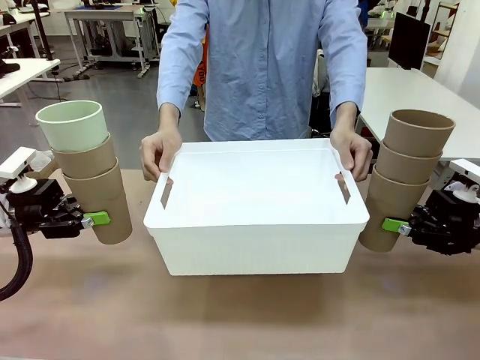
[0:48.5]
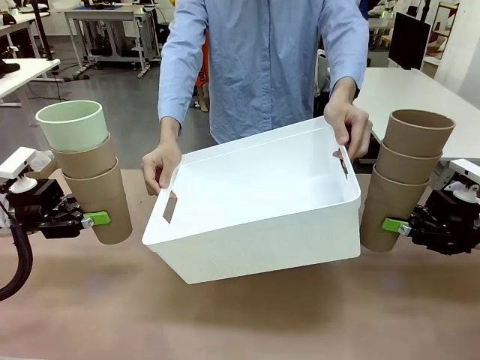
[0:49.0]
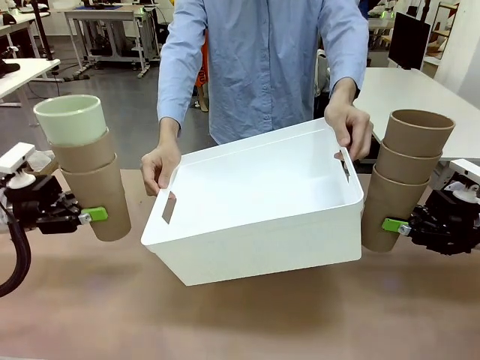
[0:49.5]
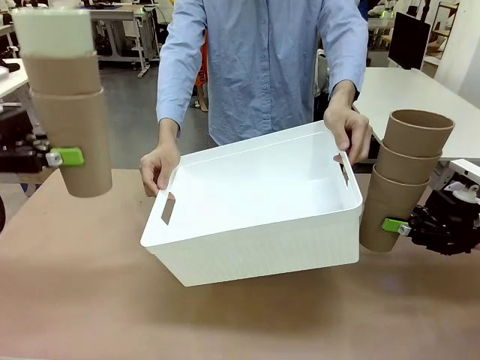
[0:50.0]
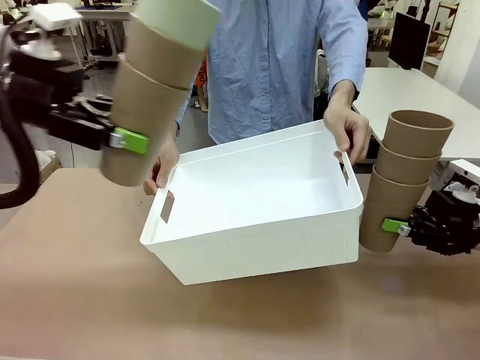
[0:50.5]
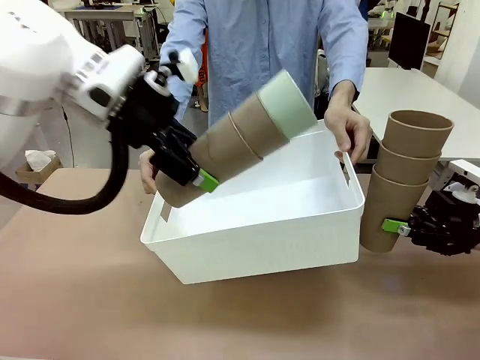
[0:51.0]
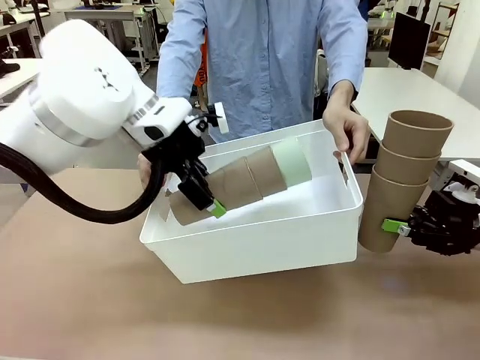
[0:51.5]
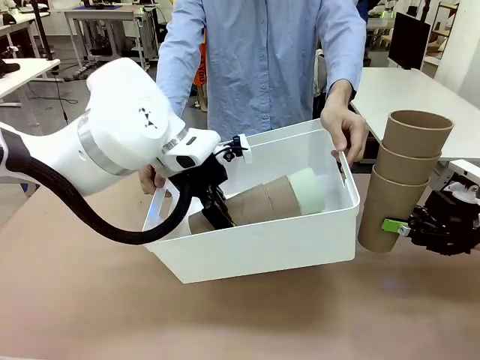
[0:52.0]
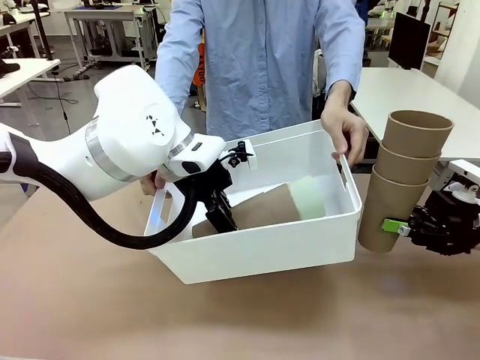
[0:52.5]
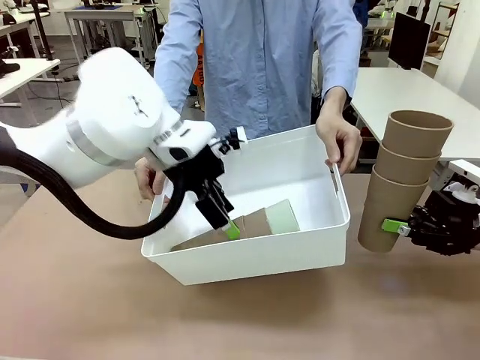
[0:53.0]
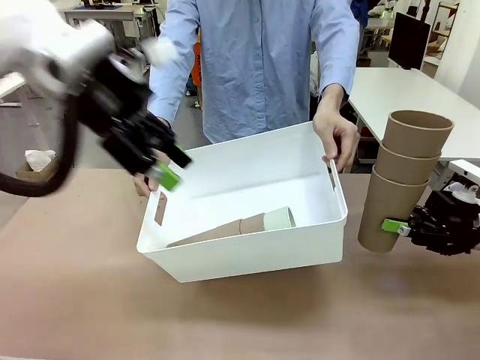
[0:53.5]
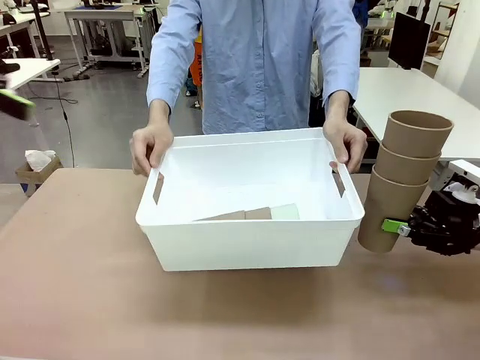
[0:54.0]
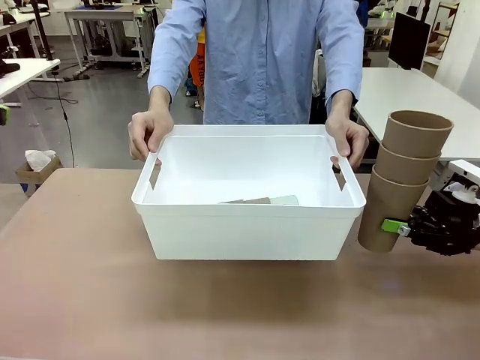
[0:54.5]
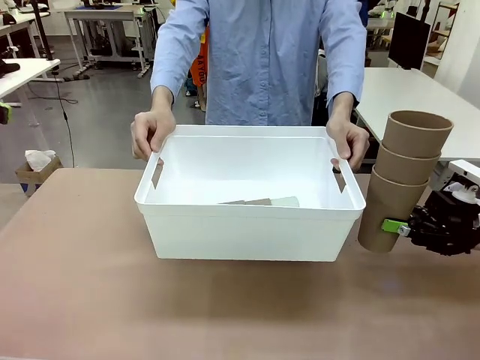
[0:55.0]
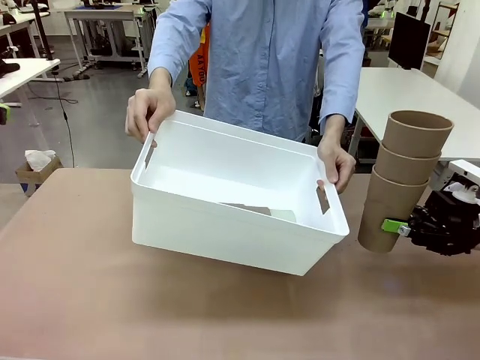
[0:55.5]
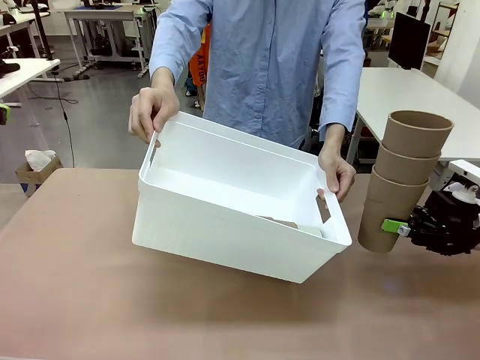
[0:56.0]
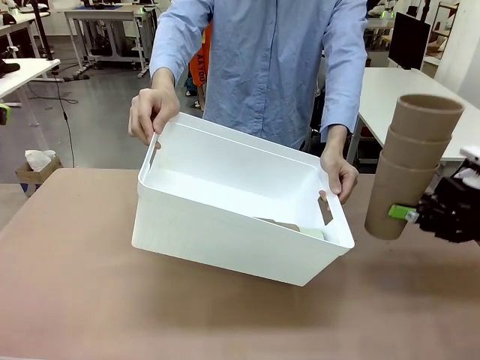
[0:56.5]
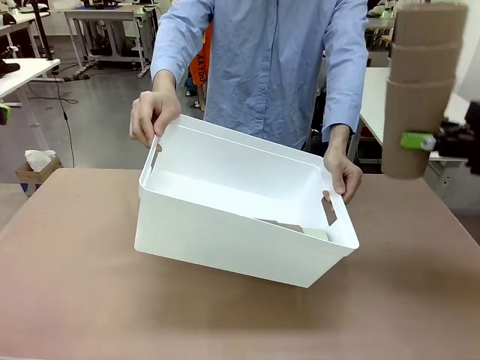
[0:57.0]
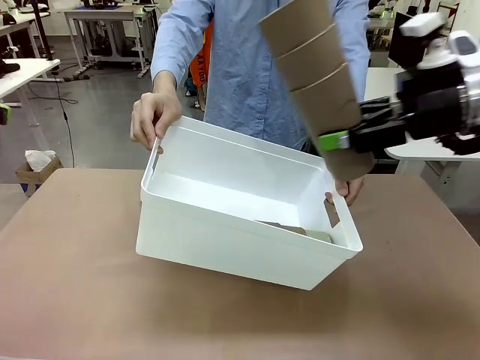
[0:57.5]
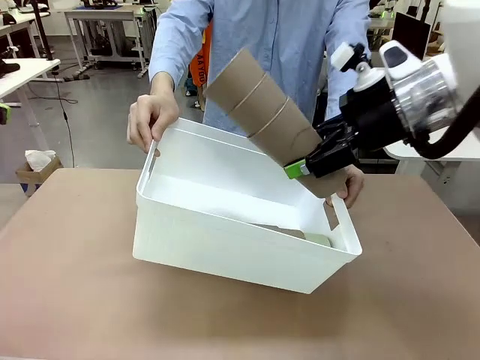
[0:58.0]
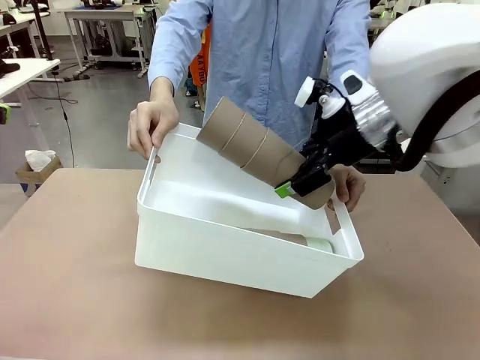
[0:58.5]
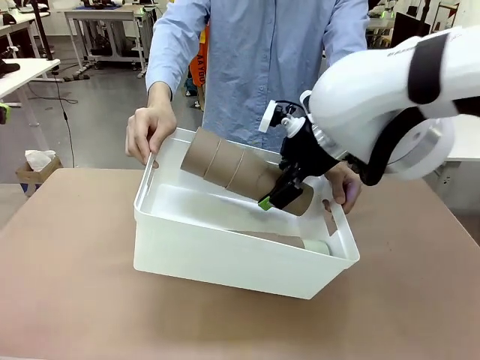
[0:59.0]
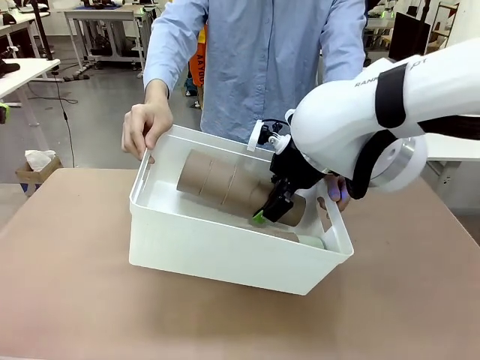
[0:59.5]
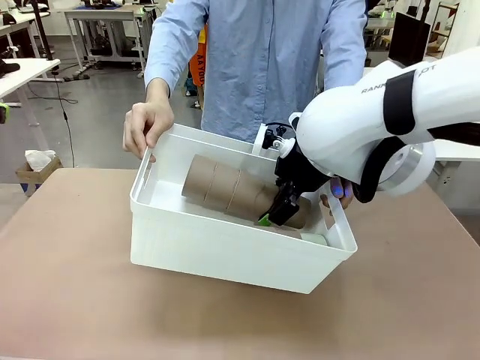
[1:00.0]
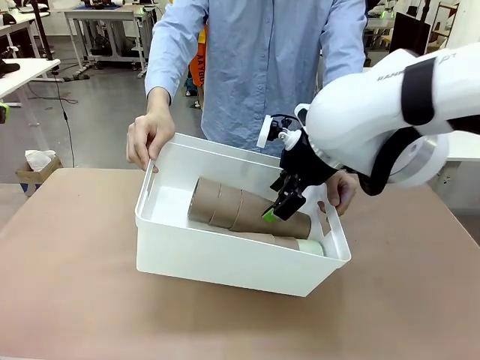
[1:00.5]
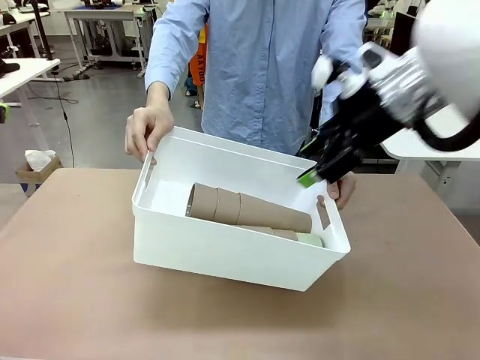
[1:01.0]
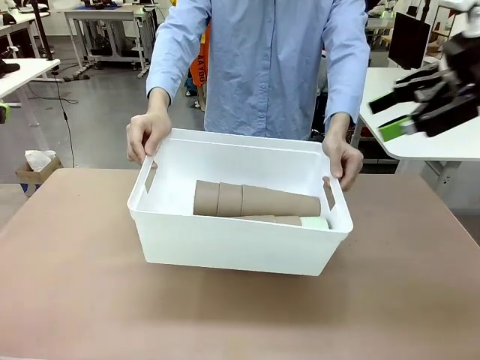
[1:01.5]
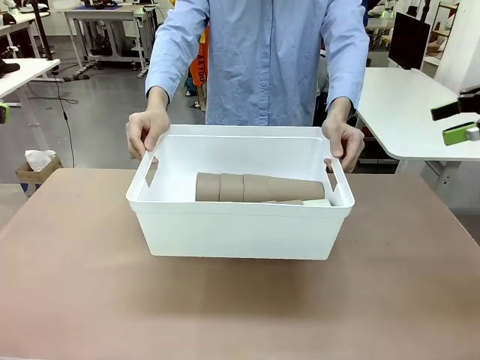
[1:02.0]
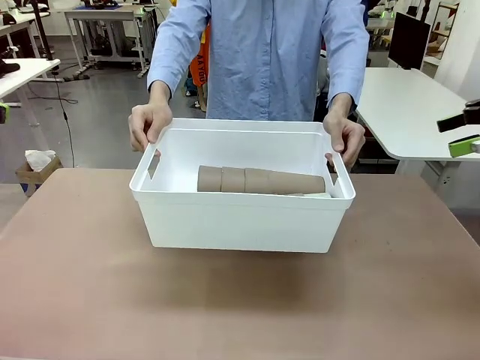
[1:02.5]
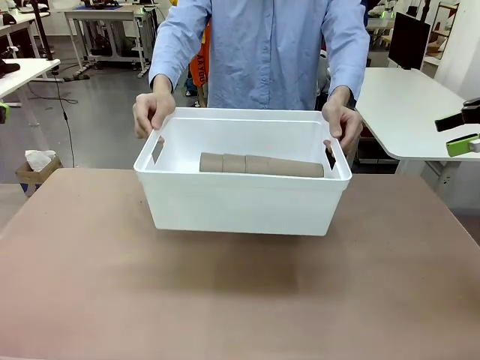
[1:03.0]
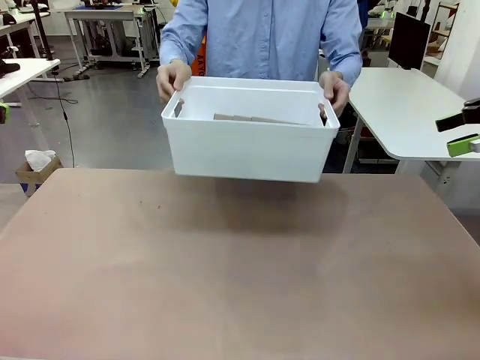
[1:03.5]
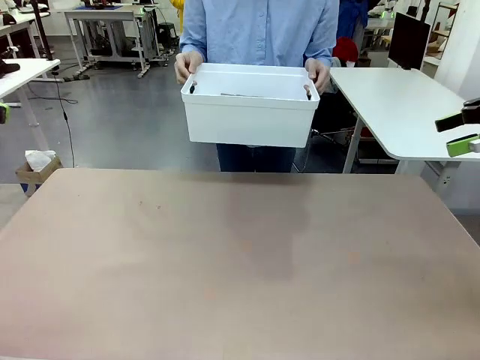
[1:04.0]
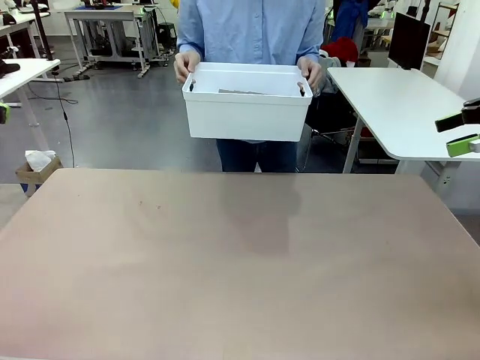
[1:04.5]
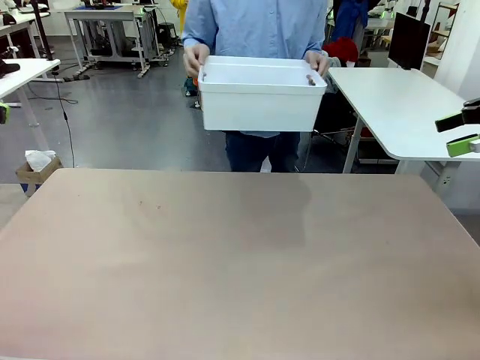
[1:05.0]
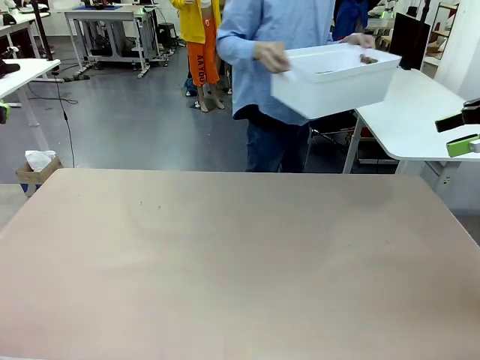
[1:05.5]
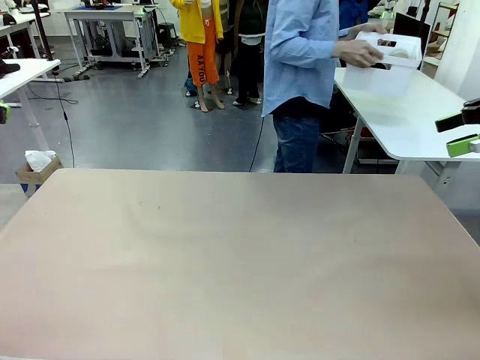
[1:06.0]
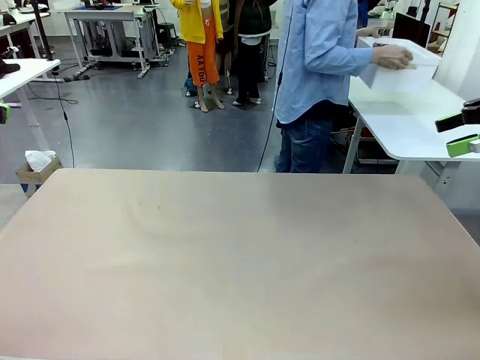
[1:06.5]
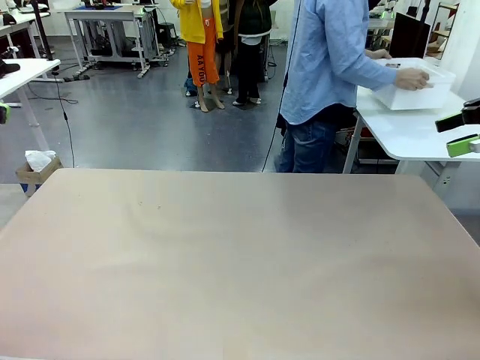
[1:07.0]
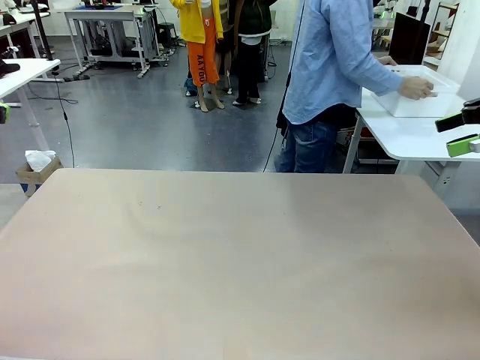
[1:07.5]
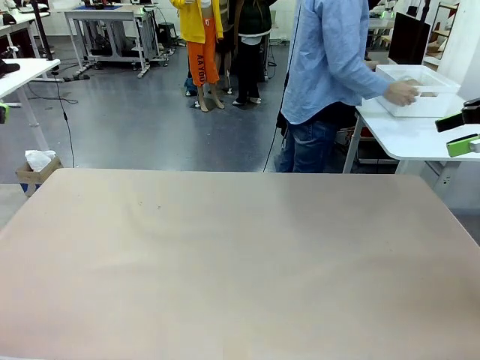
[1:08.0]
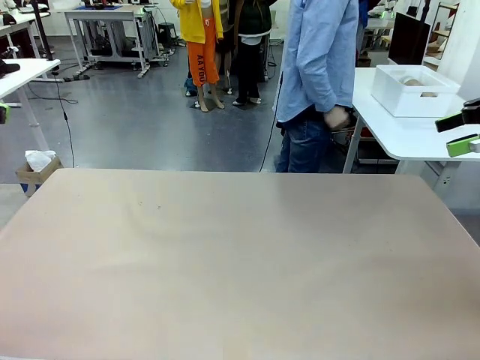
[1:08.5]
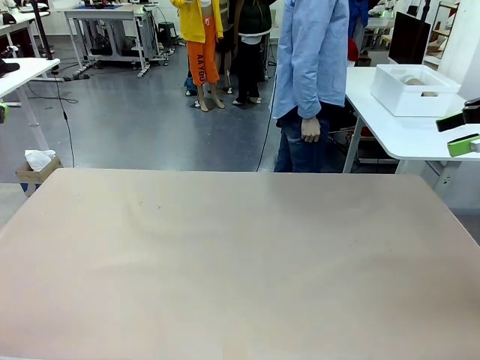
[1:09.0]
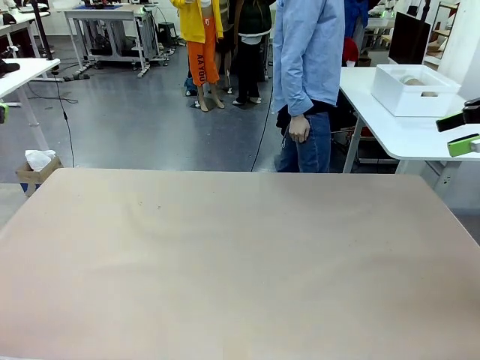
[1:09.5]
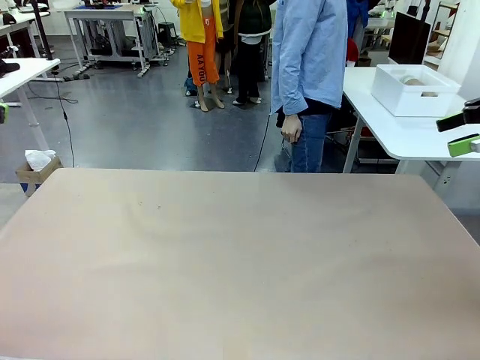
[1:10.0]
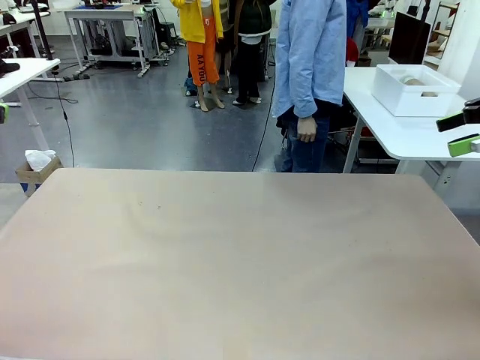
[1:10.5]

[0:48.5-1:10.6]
Task: Stack the cups and store them in the basket.
Robot: Place the stack of Reusable plastic cups into the Pantry Basket.
Person: Place the basket containing the cups in the middle of the Human Table.

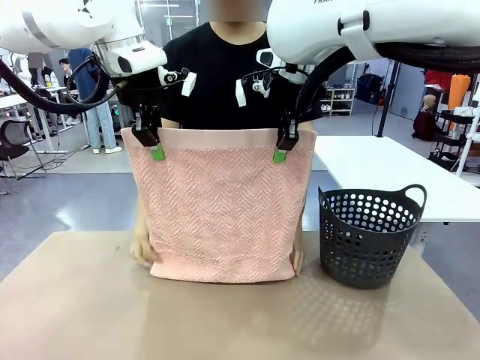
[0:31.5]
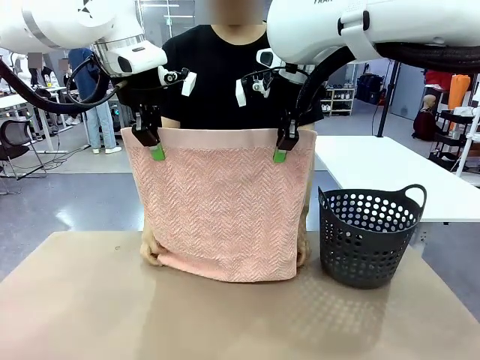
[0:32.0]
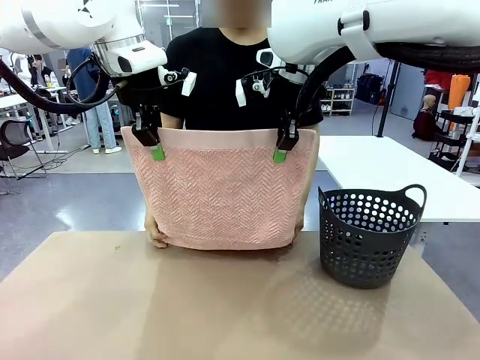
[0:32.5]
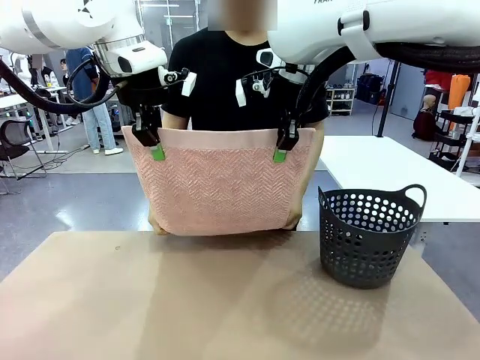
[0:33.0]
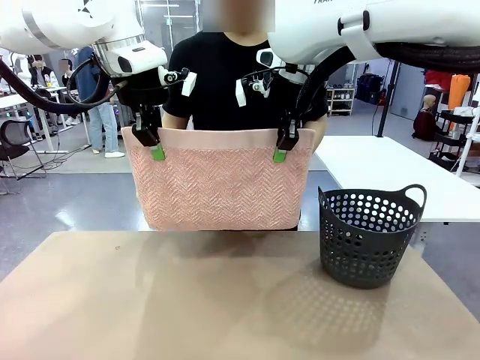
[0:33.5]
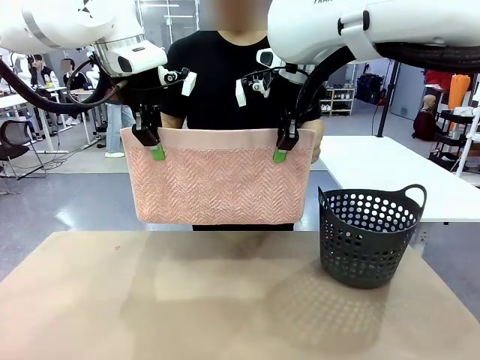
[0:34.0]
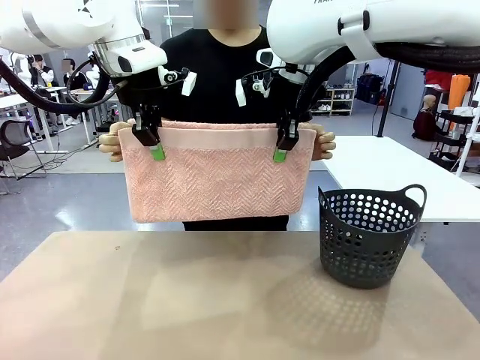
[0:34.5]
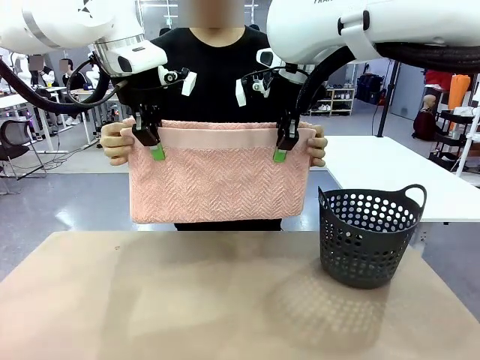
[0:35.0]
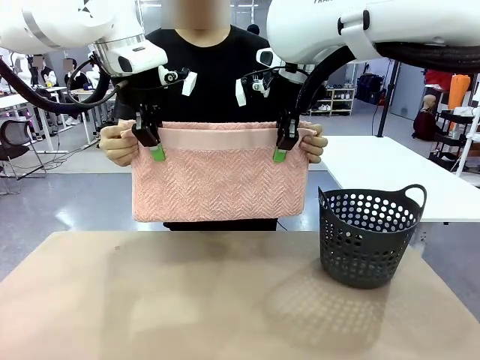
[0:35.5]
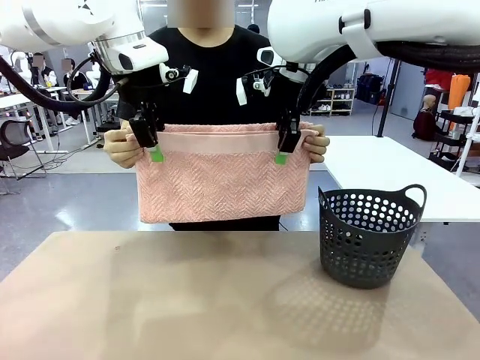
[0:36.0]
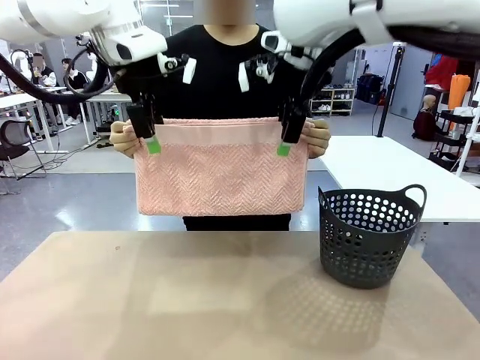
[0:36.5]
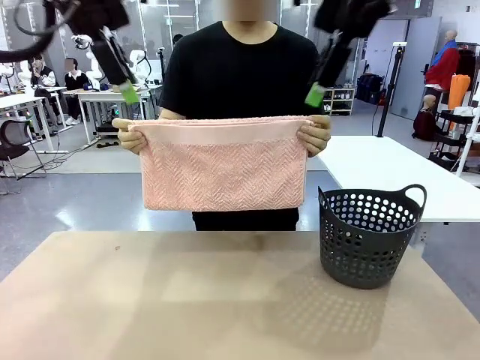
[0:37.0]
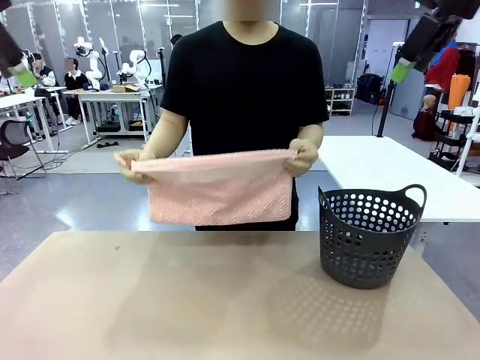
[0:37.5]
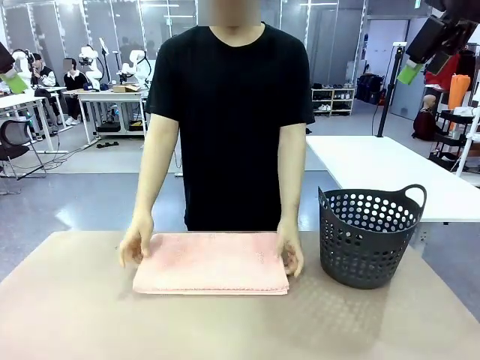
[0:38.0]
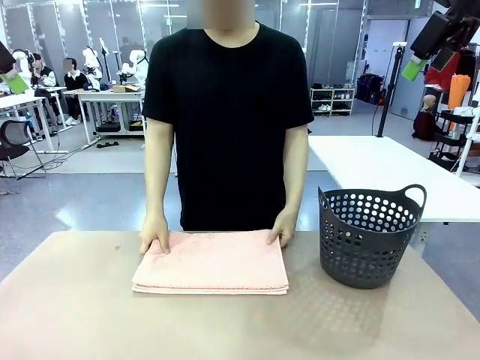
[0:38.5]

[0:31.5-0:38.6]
Task: Fold the towel.
Robot: Release the end of the 100 cm Hotel Towel you were holding.
